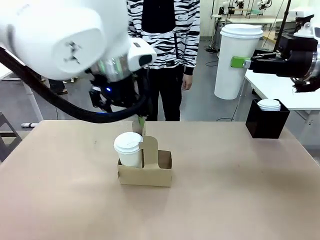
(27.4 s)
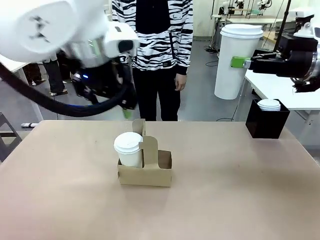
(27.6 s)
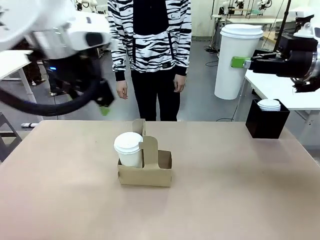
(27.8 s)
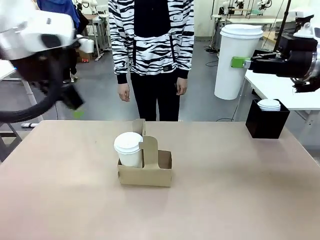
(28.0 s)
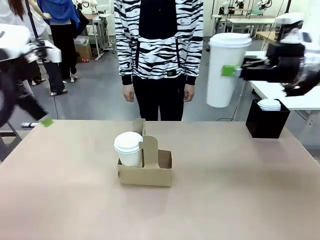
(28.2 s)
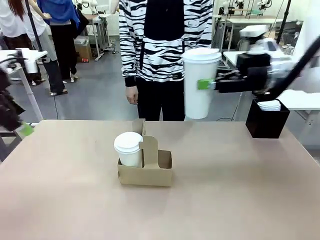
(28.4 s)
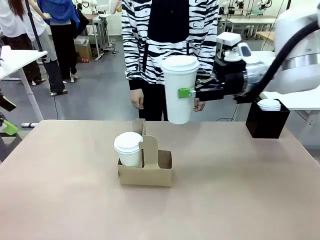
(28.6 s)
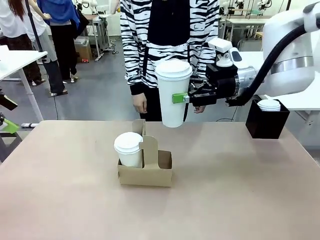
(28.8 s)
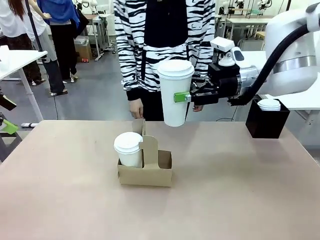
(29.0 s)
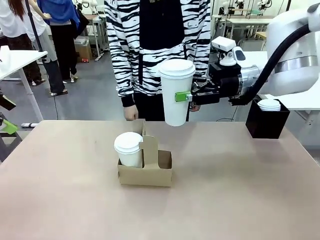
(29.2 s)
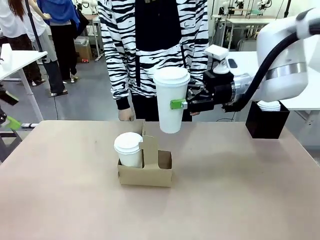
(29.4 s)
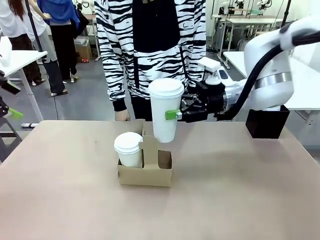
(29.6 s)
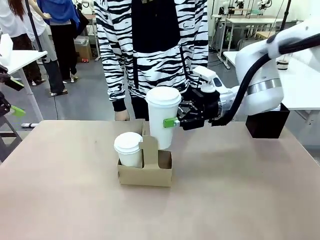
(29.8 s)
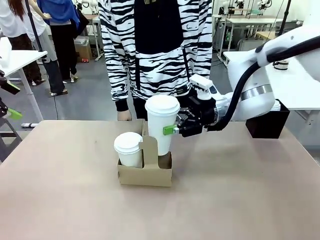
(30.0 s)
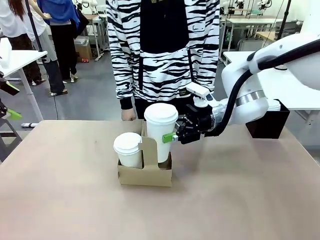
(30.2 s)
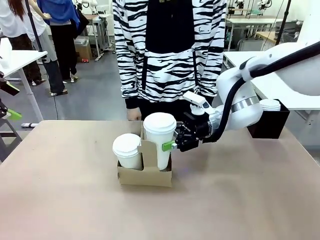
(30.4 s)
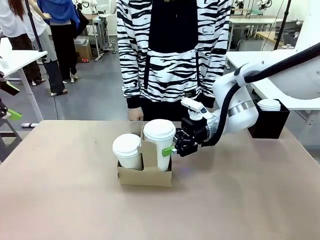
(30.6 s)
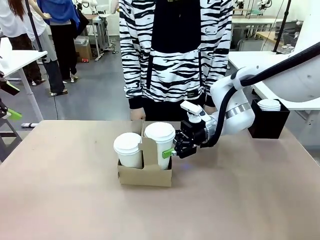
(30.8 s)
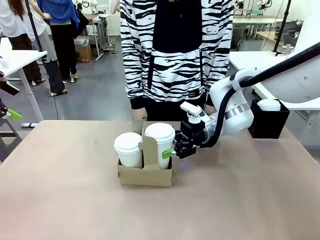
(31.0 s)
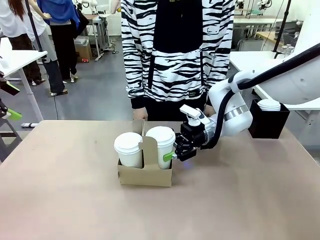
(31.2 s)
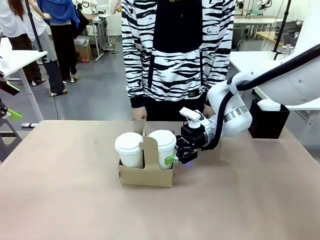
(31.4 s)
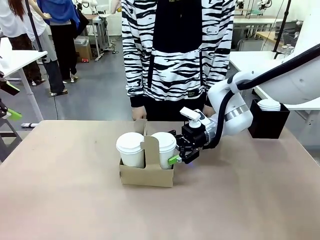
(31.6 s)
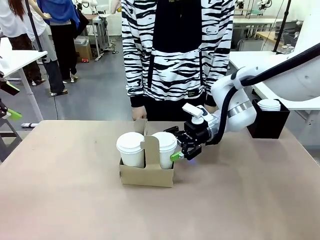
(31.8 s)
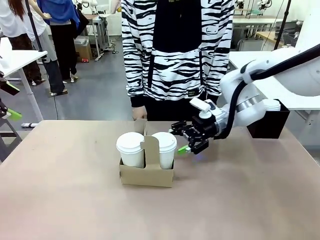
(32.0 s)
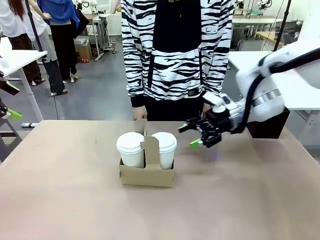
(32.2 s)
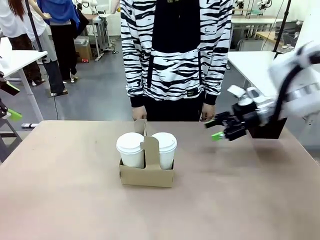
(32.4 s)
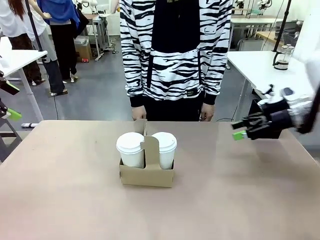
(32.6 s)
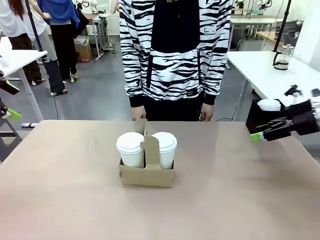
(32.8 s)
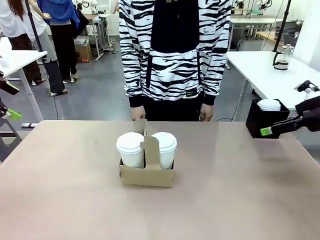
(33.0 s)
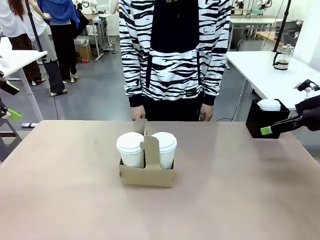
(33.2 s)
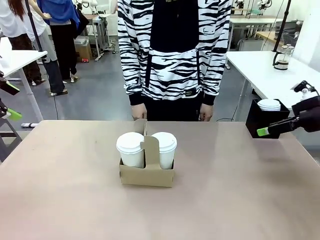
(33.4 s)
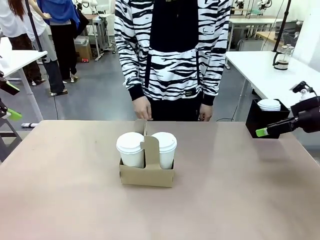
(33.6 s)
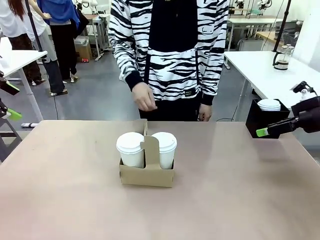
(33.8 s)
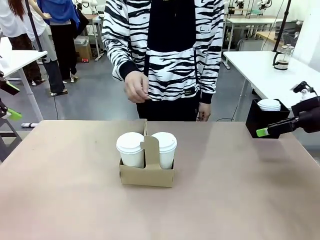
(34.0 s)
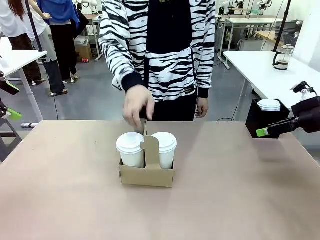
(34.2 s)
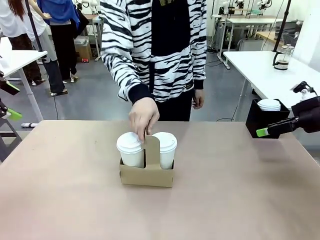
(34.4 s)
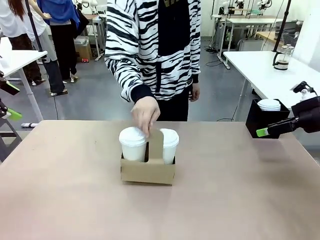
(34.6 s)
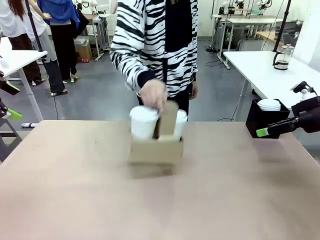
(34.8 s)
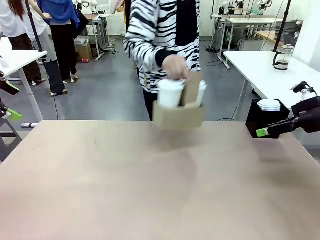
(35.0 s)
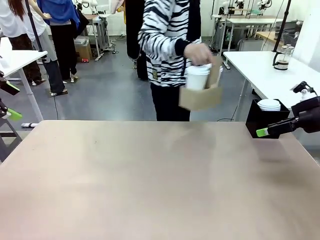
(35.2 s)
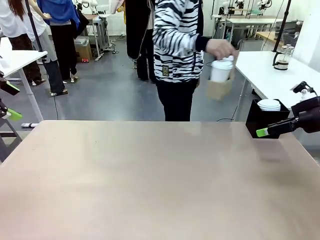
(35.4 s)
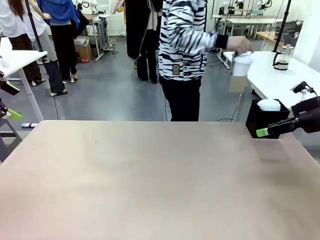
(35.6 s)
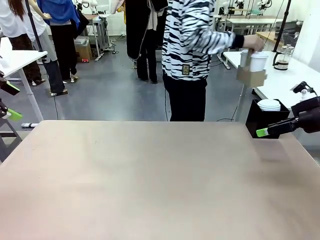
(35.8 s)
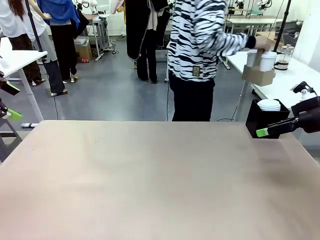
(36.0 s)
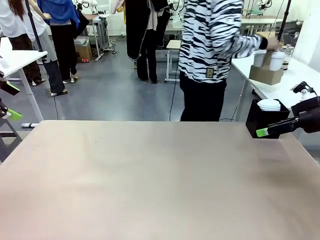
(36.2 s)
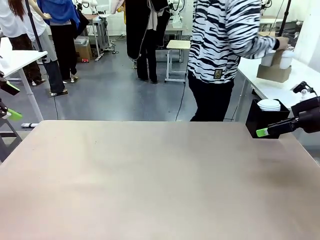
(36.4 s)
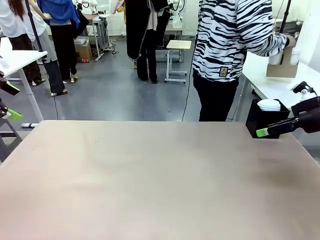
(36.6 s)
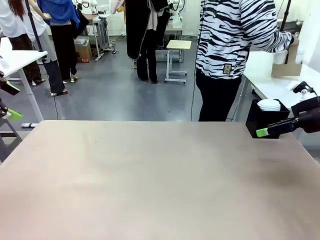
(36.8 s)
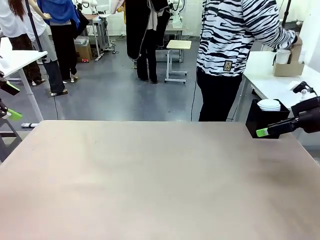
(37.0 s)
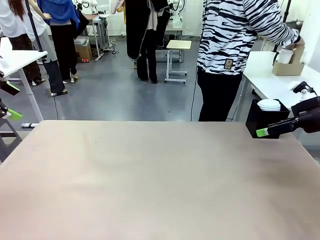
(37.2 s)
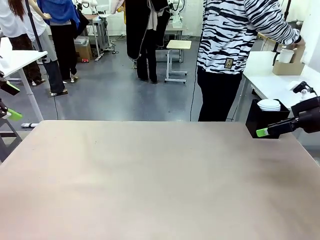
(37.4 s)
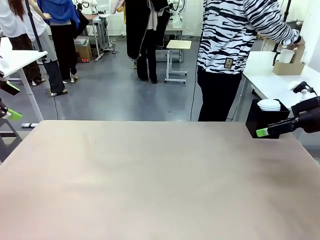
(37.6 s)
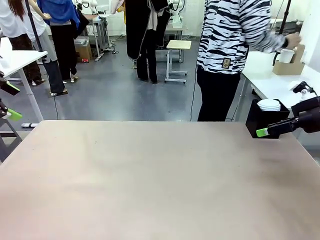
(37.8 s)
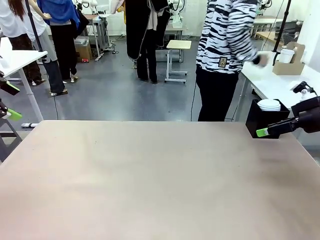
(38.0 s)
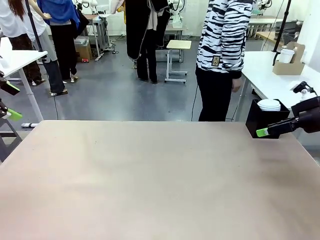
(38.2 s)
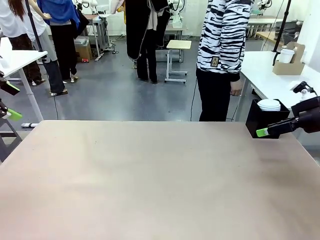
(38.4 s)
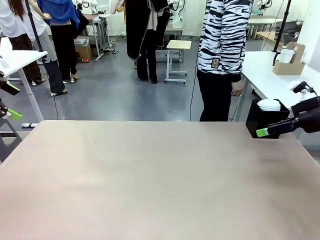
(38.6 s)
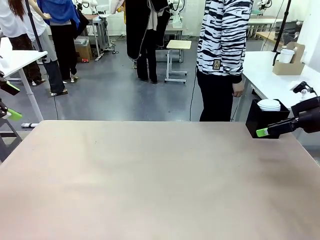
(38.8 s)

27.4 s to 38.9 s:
Task: Pour a drink into a cup and package it in a carrier.
Robot: Insert the held 600 ml Paper Cup into the Cup Carrier.
Person: Place the Cup Carrier to the middle of Human table.

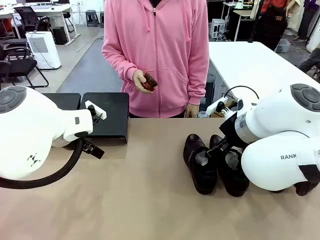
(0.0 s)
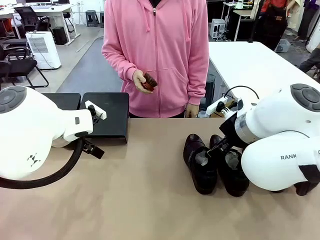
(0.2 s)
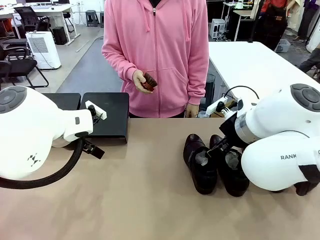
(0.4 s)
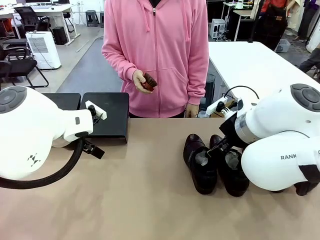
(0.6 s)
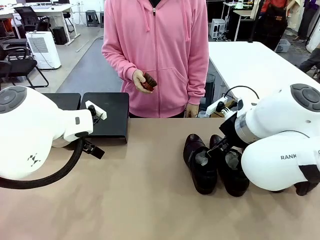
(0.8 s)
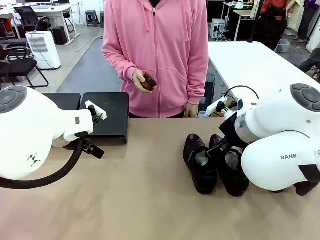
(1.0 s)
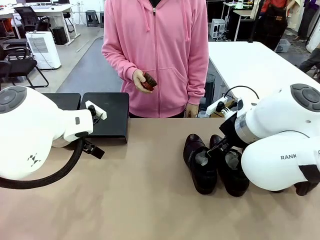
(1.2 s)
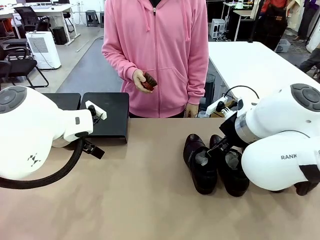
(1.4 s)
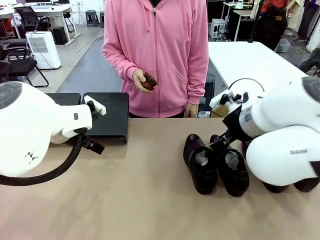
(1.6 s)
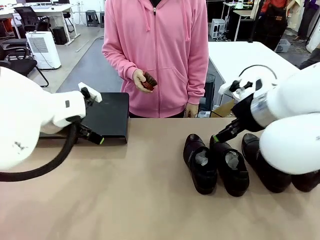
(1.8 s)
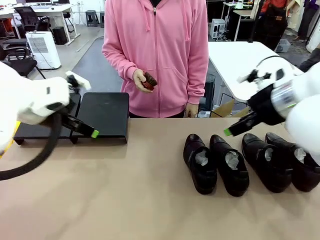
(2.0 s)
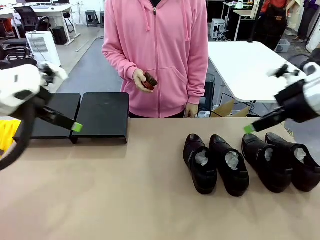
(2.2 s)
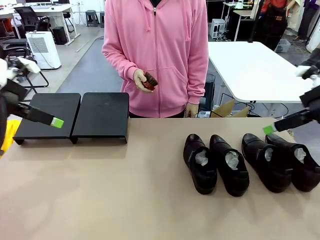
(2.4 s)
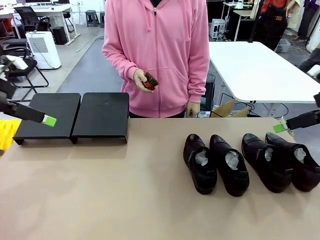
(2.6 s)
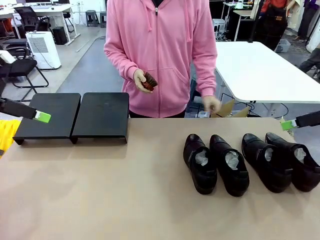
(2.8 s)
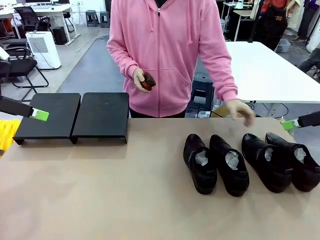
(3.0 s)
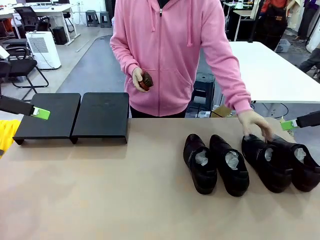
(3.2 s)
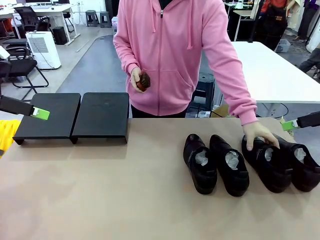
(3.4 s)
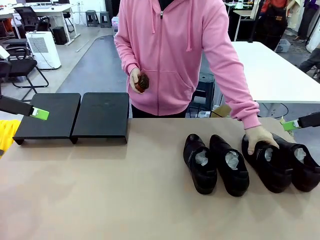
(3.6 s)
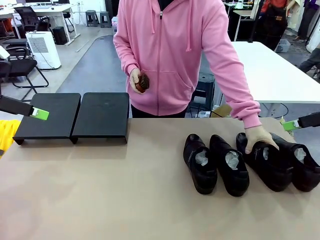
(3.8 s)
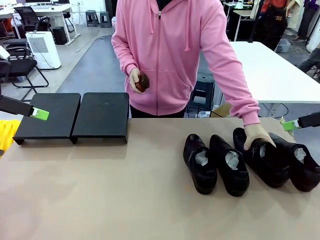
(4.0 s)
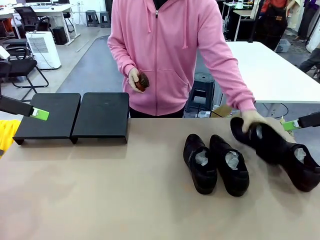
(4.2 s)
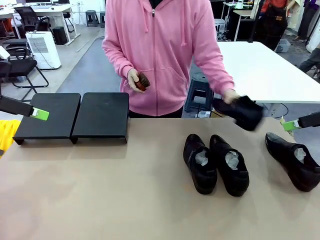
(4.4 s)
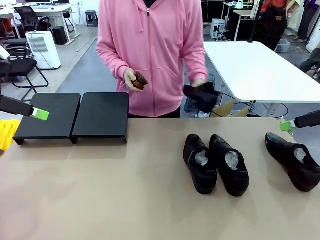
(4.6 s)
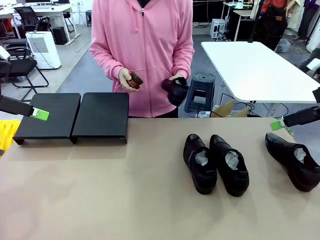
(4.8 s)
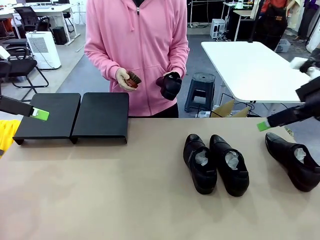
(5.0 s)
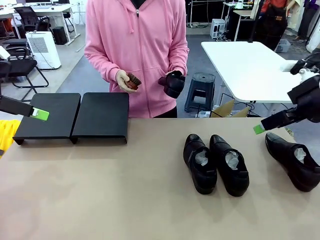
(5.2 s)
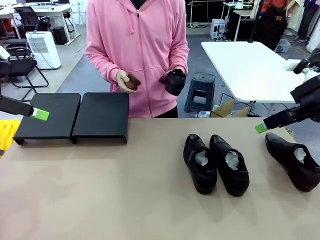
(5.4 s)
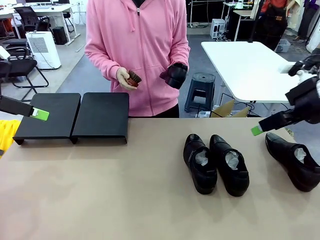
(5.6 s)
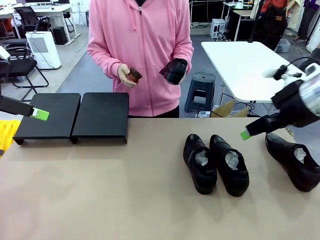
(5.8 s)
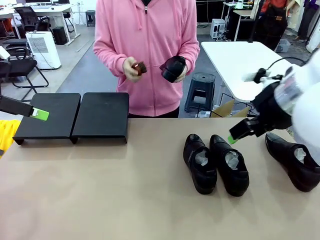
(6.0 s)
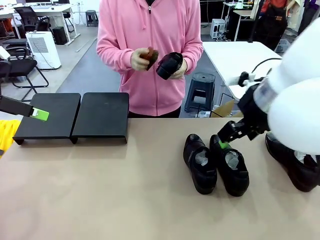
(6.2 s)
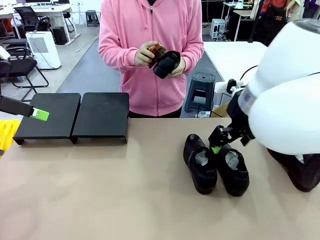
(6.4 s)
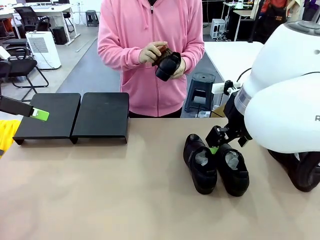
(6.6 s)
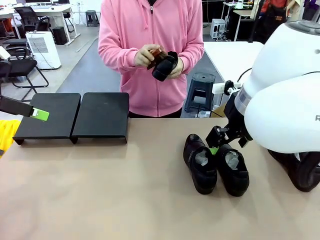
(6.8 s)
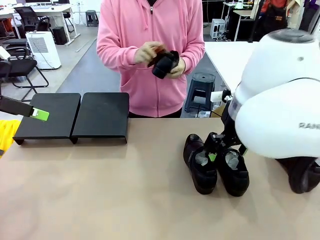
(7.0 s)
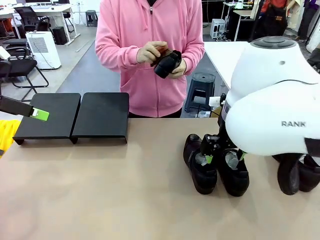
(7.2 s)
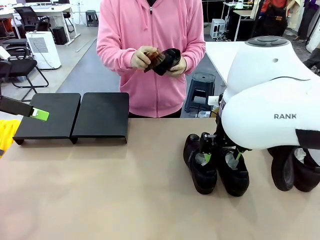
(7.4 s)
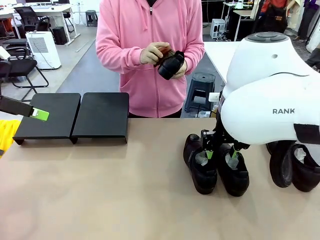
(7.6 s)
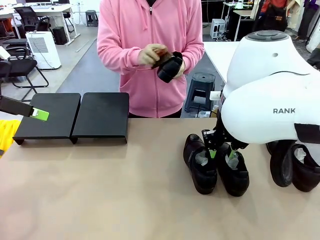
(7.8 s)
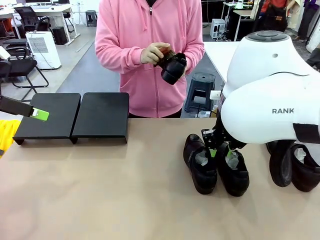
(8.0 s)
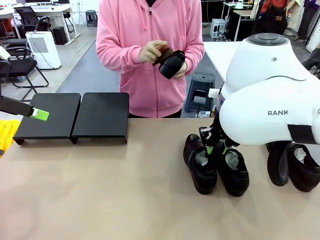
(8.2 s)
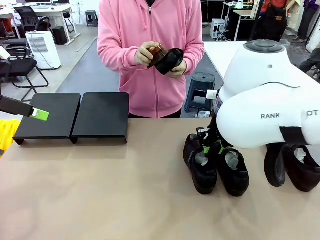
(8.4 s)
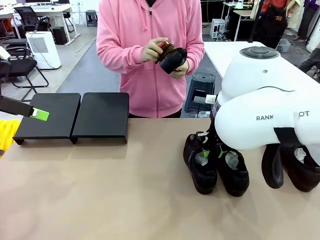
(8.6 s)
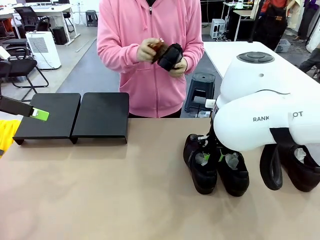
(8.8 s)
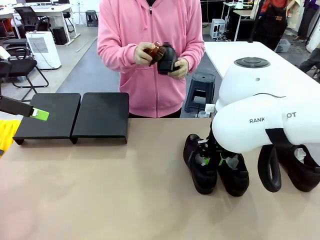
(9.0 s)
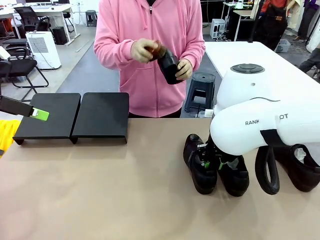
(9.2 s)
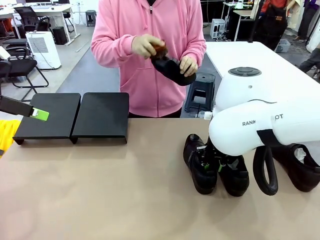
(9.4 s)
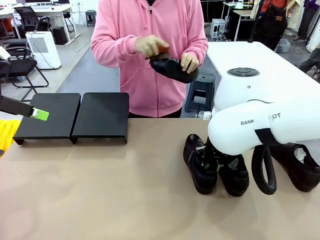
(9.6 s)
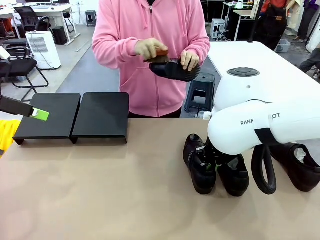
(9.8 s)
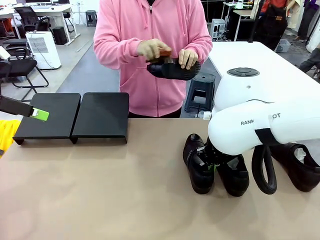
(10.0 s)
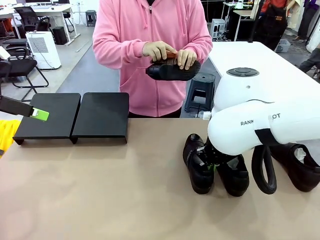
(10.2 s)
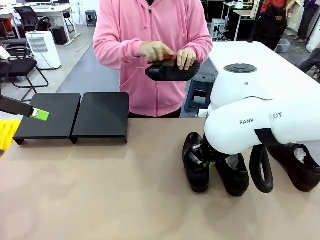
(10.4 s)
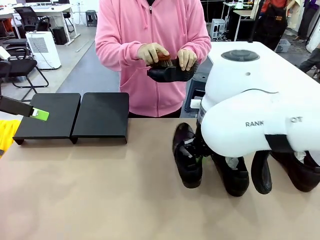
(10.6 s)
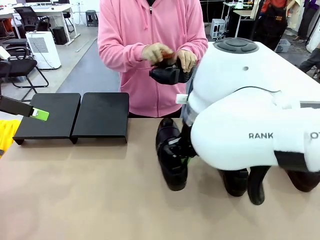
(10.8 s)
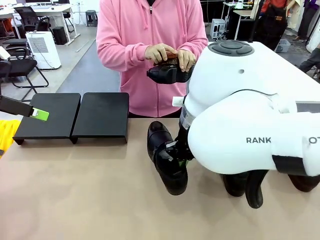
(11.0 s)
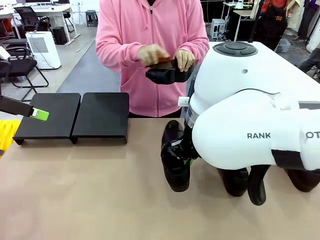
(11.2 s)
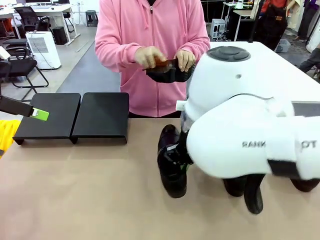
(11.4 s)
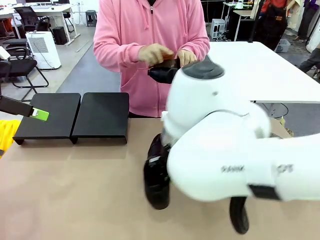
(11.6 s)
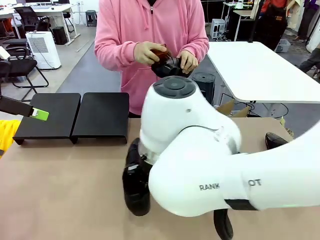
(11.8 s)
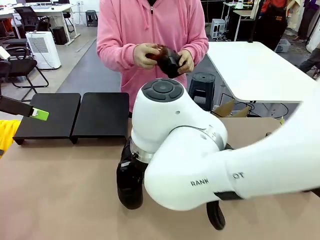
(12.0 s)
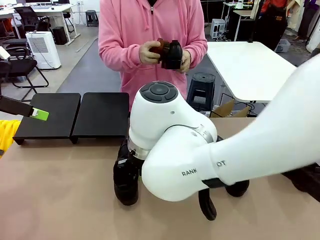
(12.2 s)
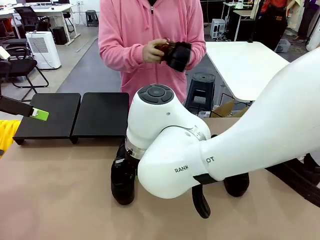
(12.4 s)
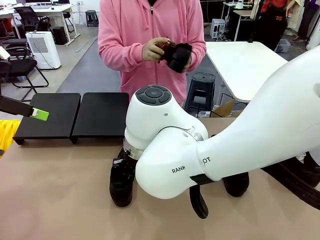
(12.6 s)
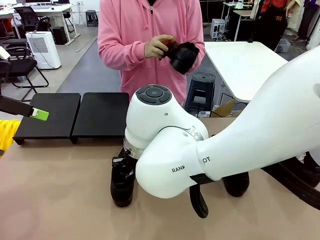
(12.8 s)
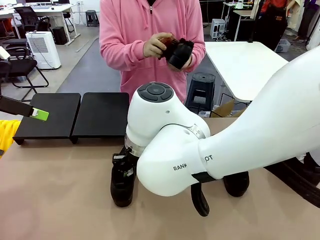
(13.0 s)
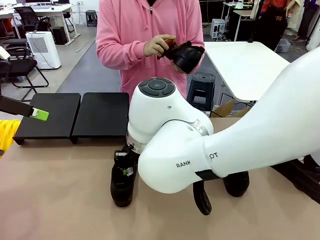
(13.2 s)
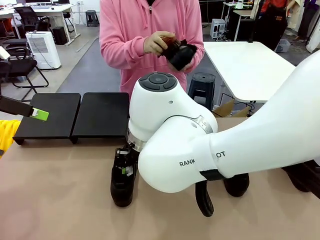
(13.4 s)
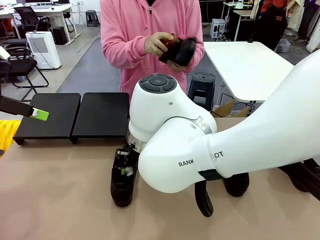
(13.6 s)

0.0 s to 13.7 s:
Task: Organize the shoes by placing them on the stand.
Robot: Pick up one Shoe and place it in the middle of the table.
Person: Pick one Shoe on Robot's table. Clean the Shoe with the Shoe Brush.
